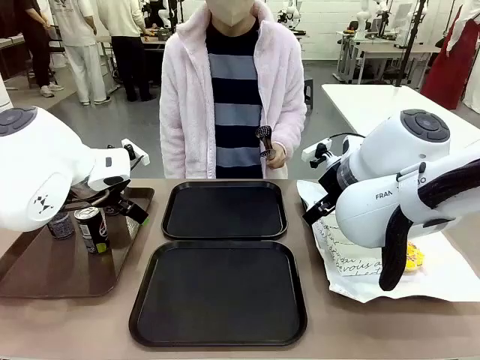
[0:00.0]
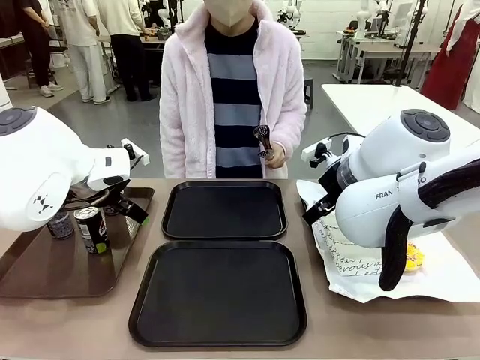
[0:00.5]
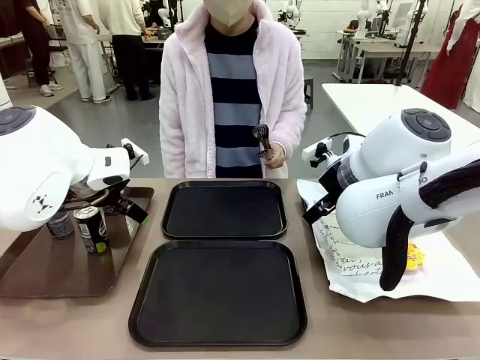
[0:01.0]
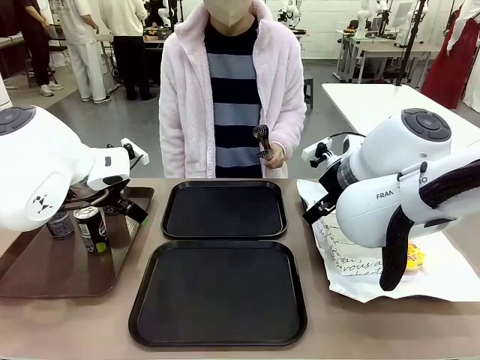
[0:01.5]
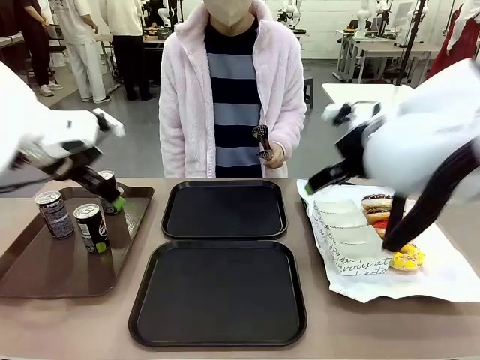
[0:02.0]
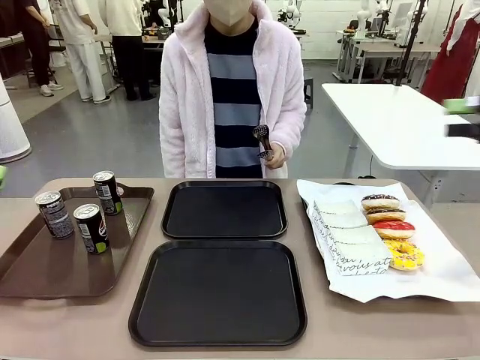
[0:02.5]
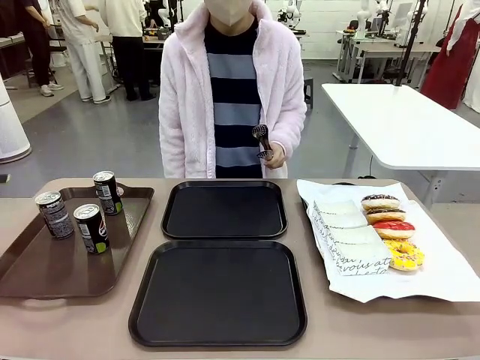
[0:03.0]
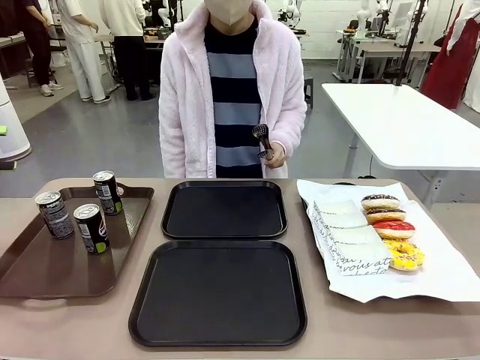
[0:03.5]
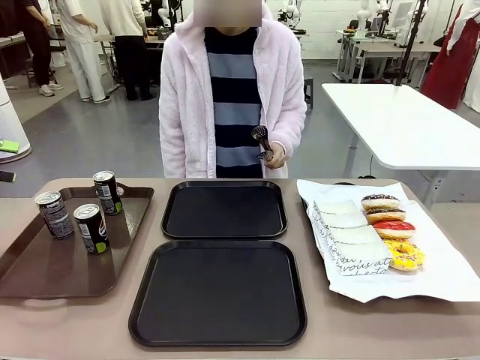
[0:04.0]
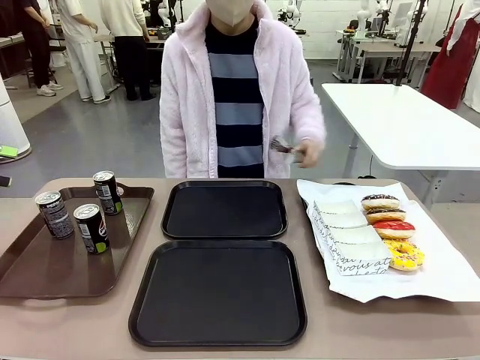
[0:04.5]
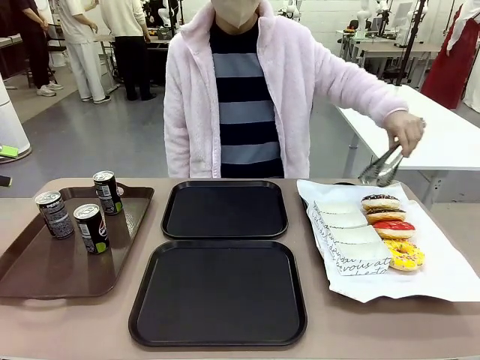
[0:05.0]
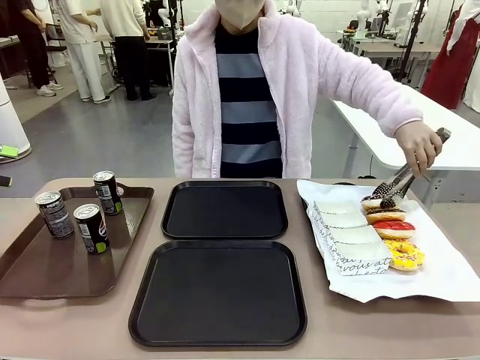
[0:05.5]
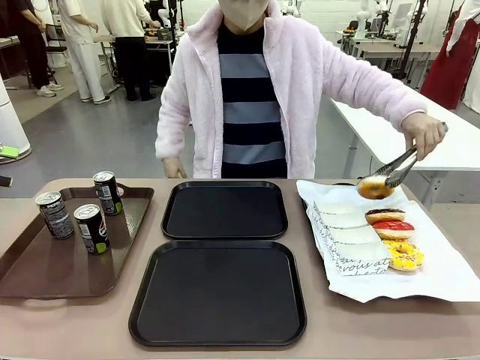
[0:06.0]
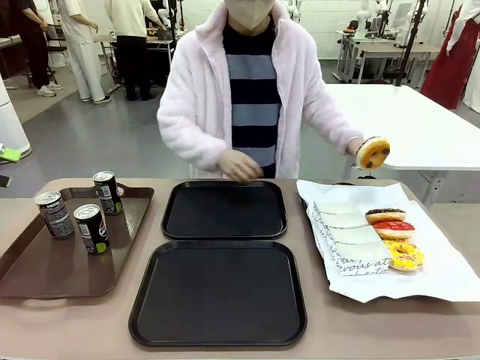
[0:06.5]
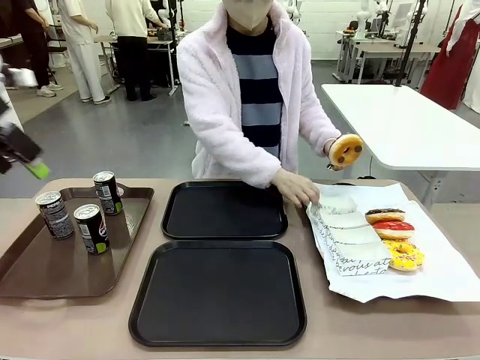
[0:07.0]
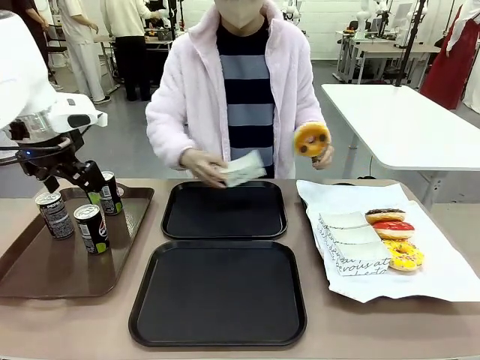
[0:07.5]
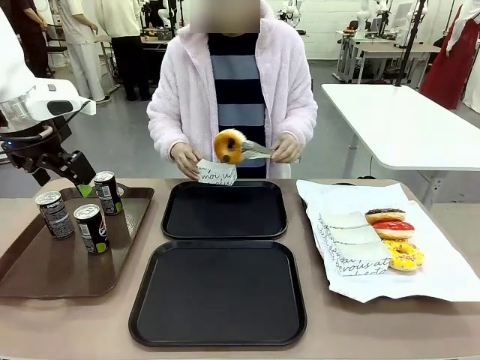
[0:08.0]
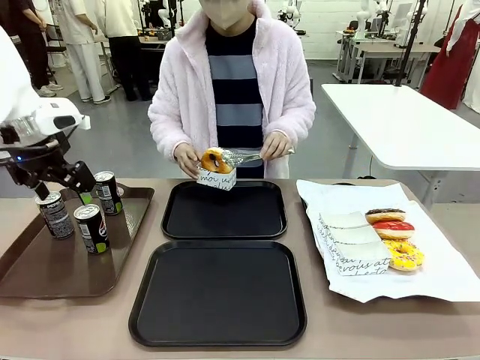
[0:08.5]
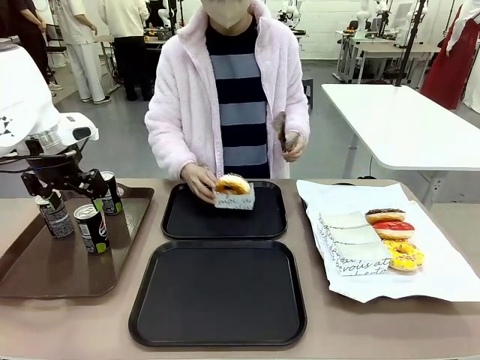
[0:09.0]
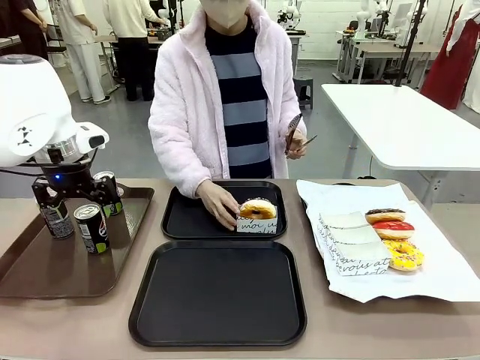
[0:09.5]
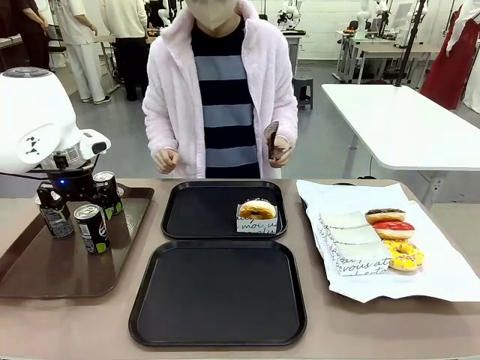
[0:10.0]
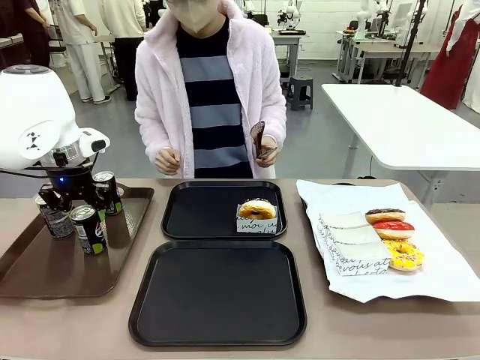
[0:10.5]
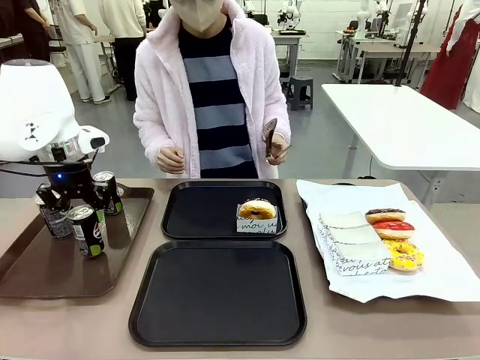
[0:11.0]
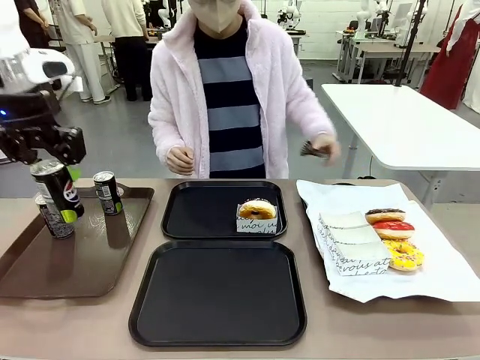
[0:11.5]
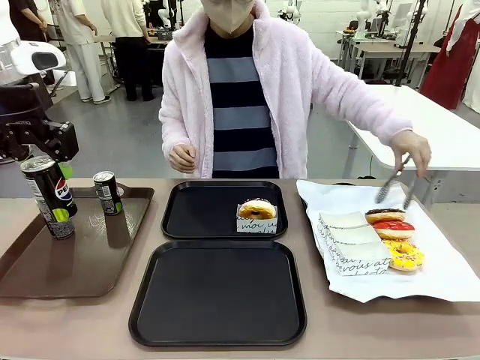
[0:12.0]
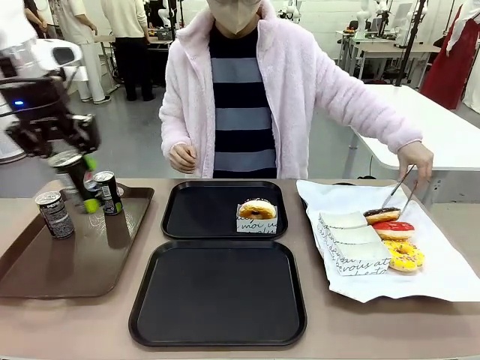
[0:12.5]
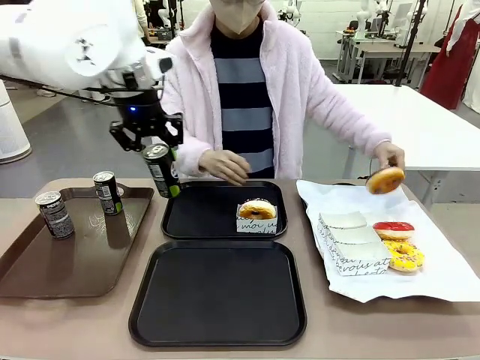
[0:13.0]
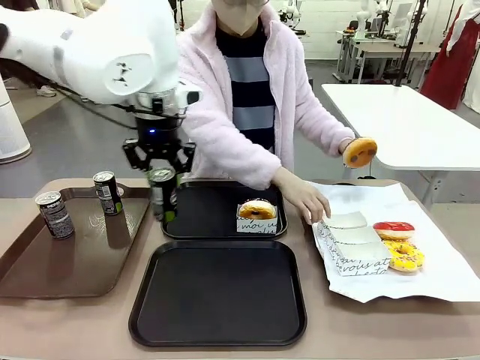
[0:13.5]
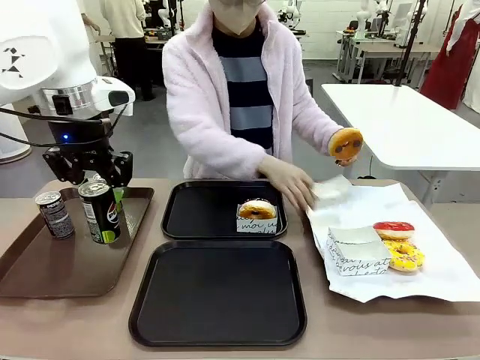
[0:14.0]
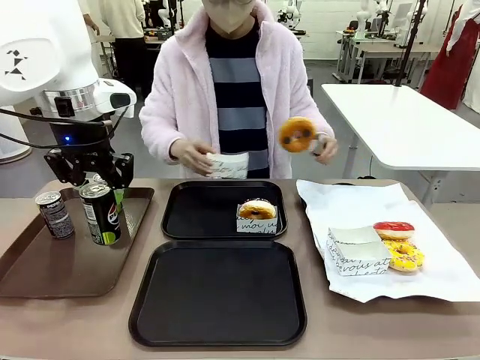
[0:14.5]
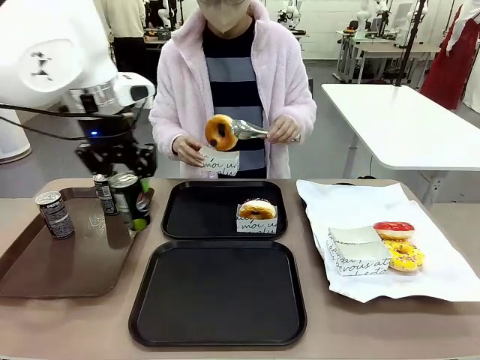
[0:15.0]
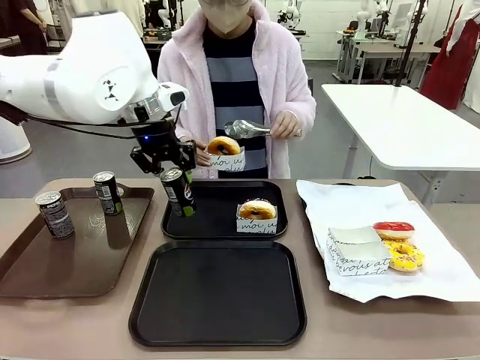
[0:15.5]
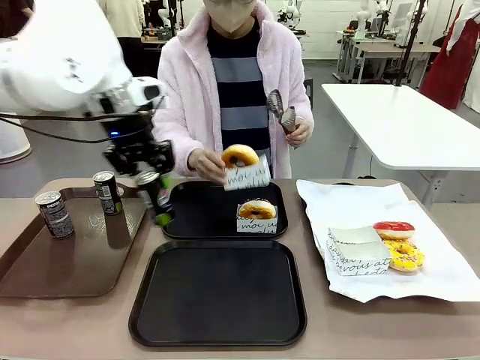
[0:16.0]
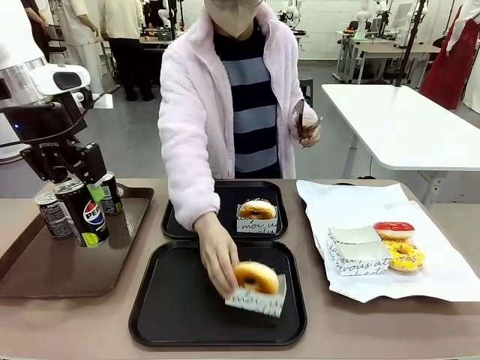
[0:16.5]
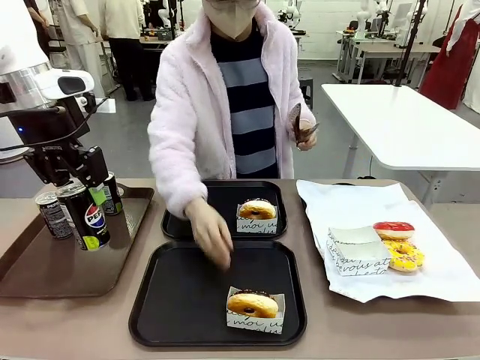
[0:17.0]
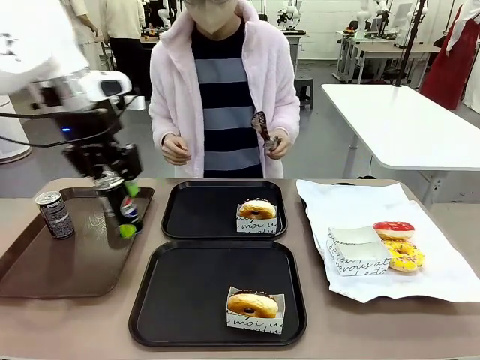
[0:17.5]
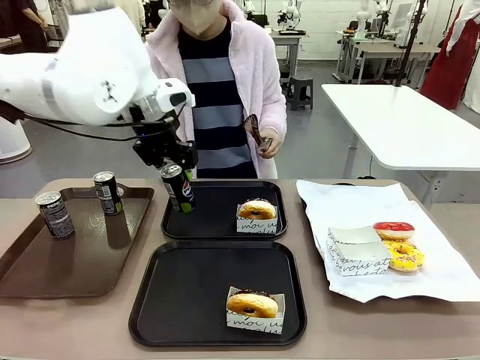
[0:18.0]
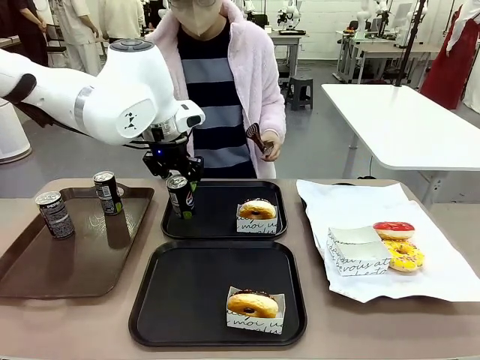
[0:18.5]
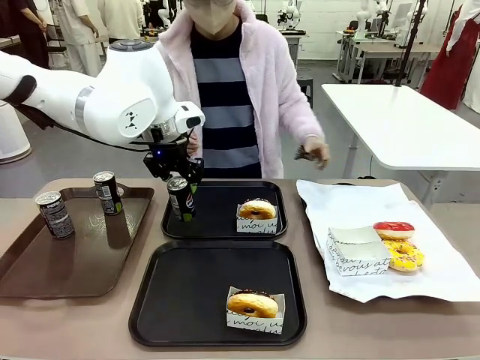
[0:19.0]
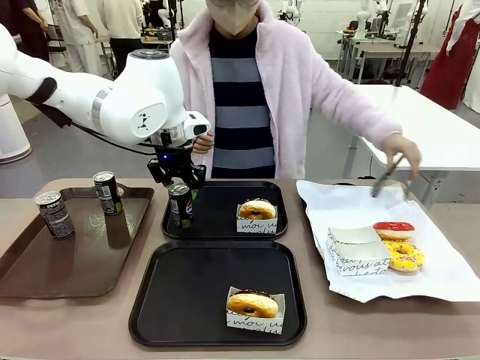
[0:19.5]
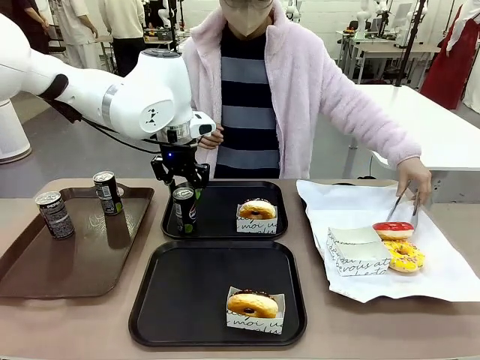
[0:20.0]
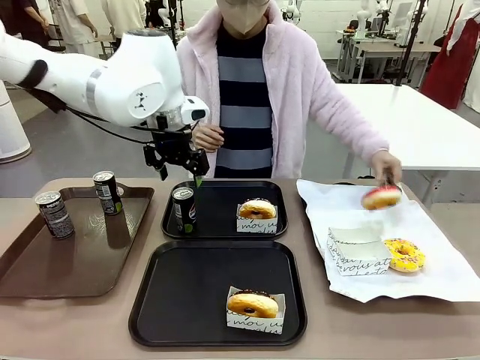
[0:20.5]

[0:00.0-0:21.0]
Task: Set up donuts and drinks on trays.
Robot: Pick up one Pepsi coke and place it on the Flat Tray.
Person: Pick up one donut with tongs, place it in the donut tray, and then place the donut tray on the flat tray.

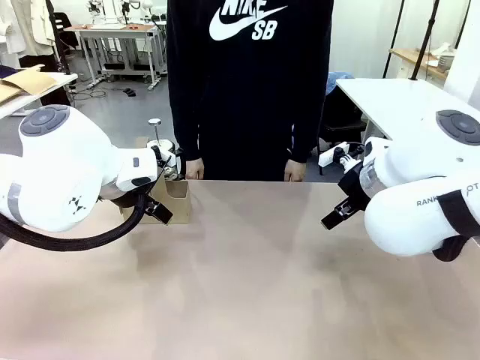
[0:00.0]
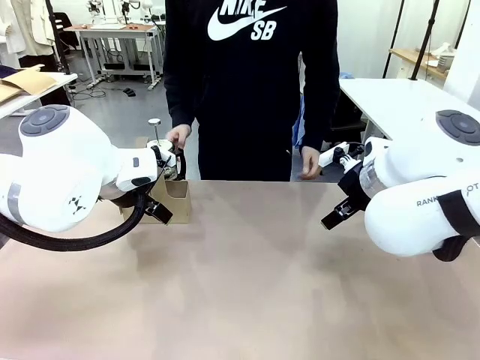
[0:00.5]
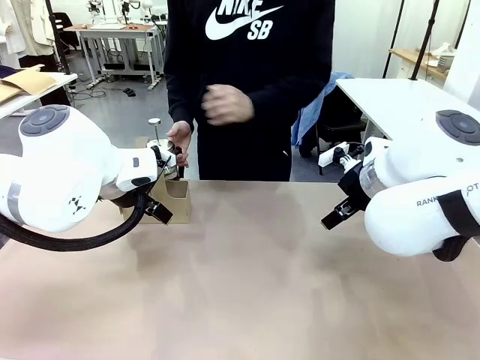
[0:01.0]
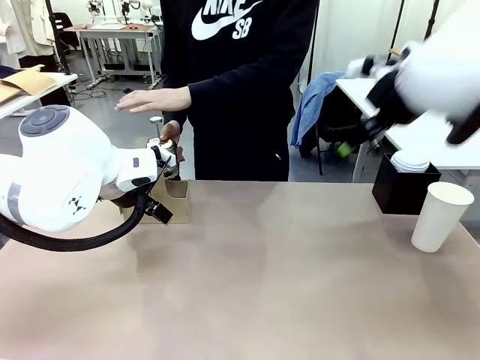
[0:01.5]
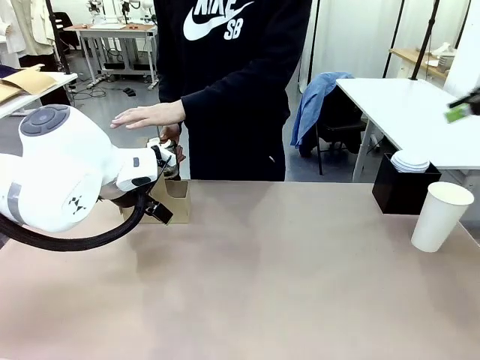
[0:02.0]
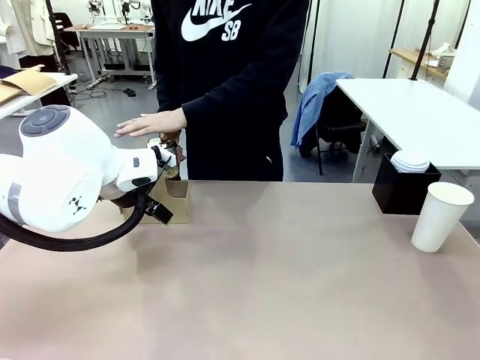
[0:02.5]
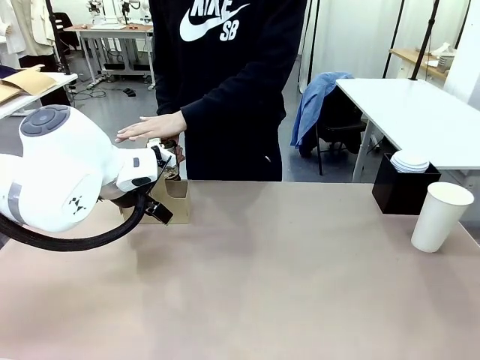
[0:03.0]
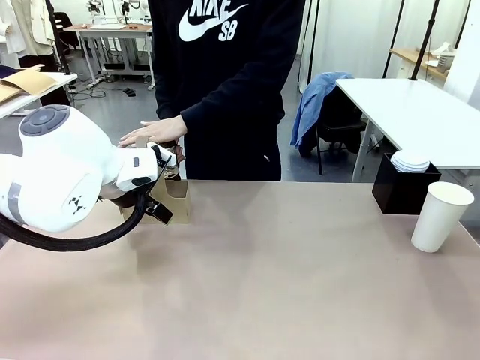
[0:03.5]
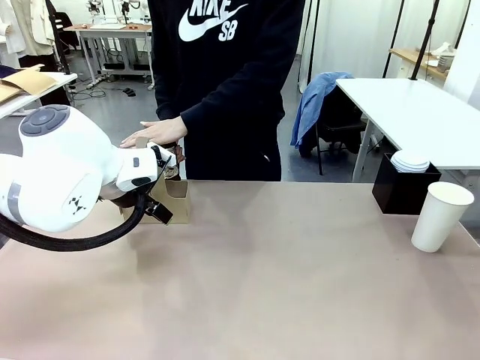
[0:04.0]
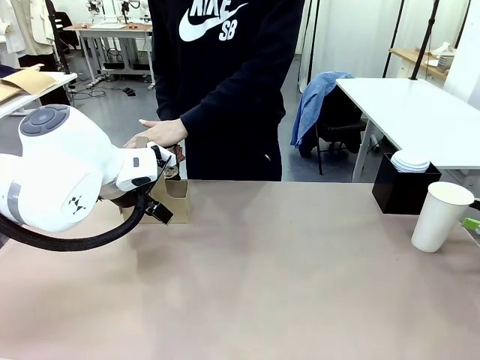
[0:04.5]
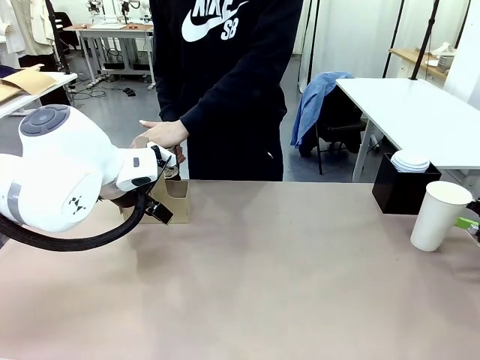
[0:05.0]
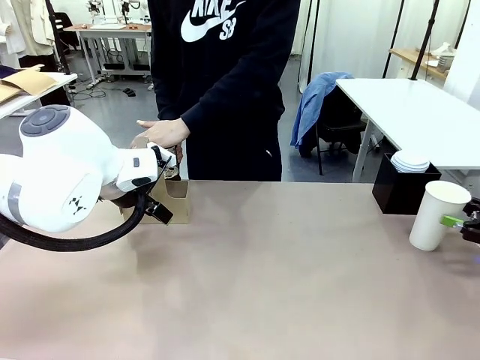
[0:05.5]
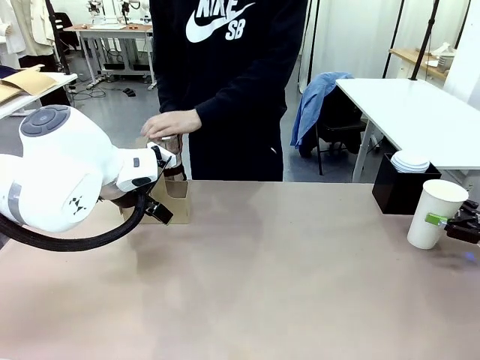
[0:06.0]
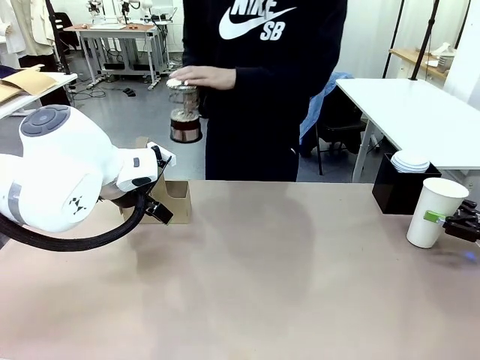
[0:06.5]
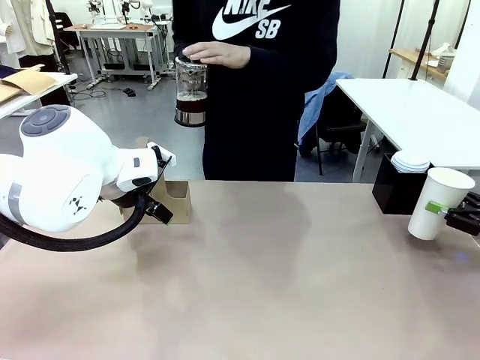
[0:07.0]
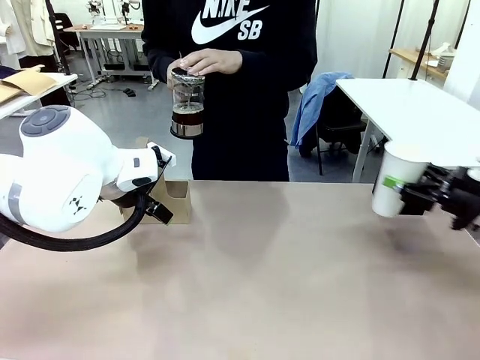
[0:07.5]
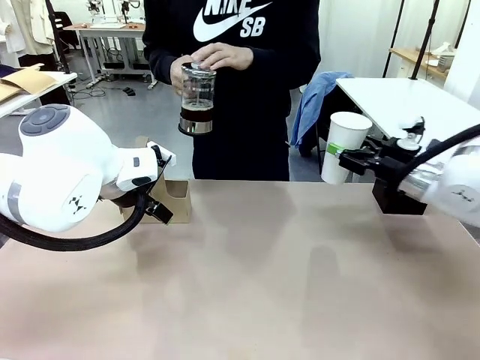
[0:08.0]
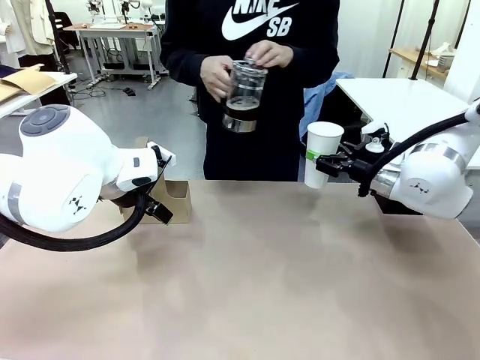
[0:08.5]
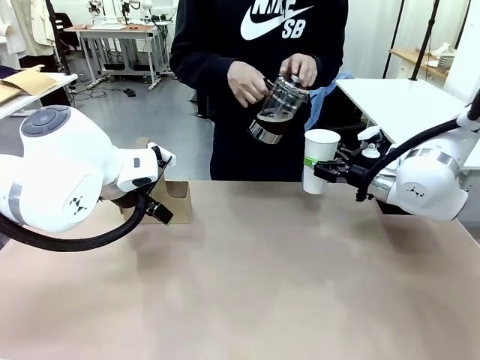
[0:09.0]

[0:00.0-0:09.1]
Task: Pour a drink into a cup and package it in a carrier.
Robot: Pick up the 600 ml Paper Cup and place it in the middle top area of the table.
Person: Press and pick up the Filter Brewing.
